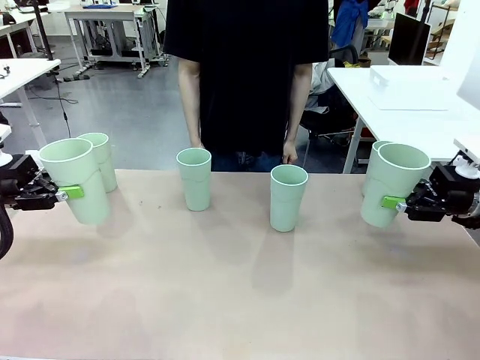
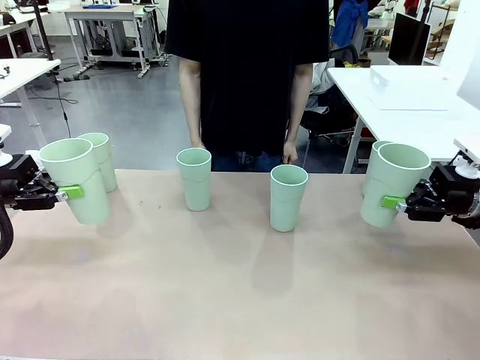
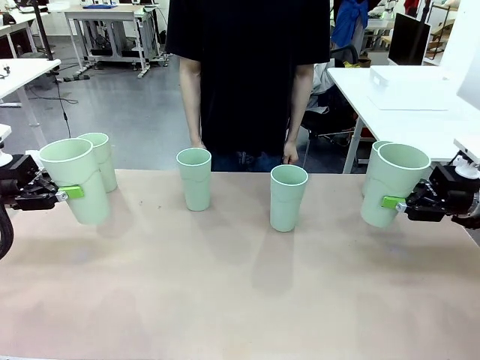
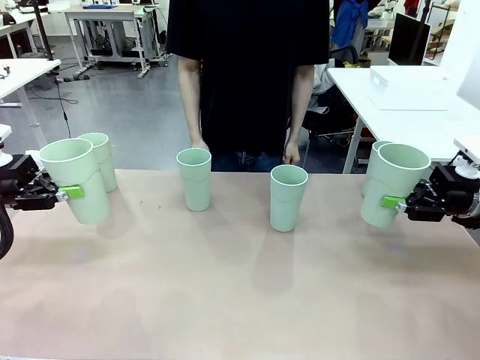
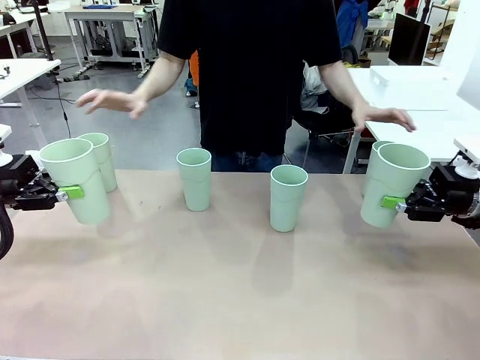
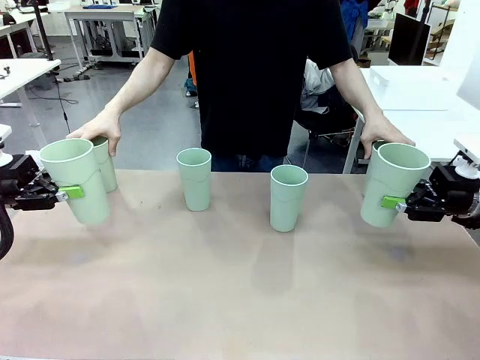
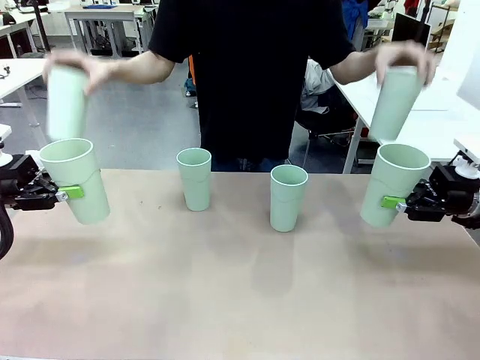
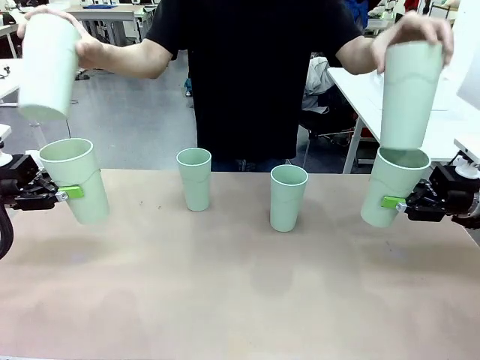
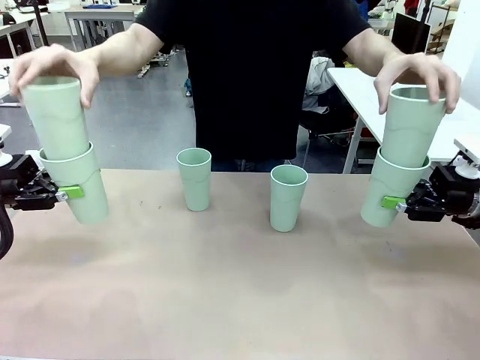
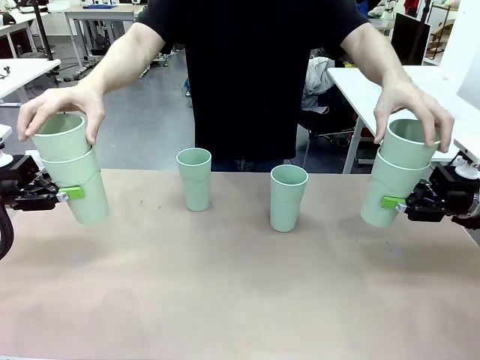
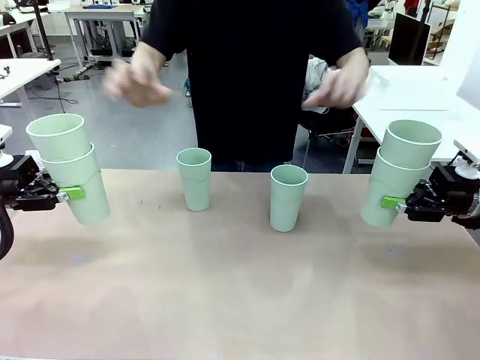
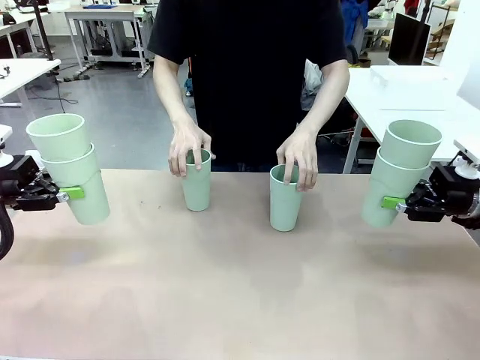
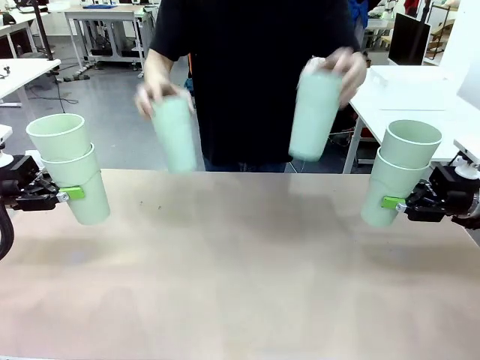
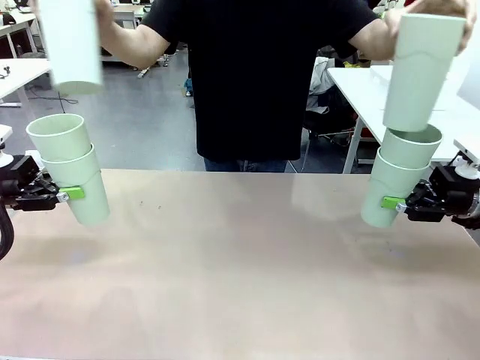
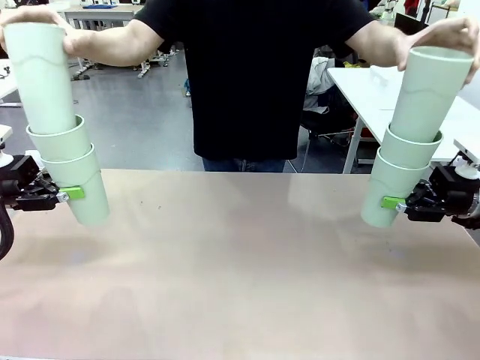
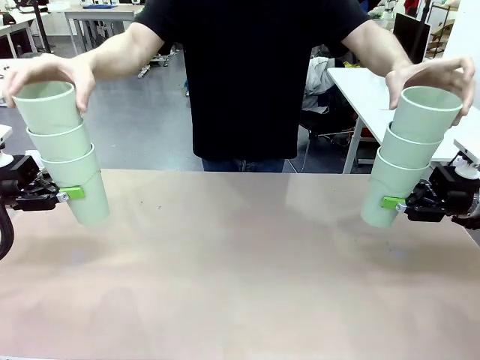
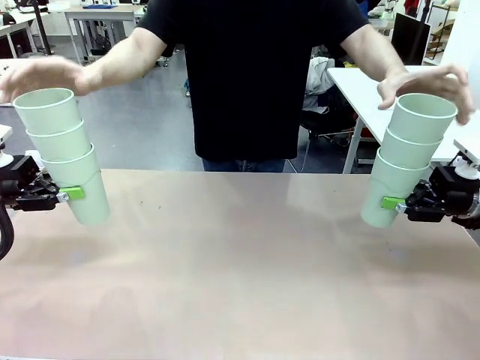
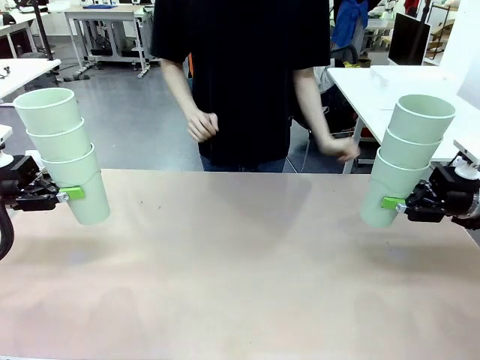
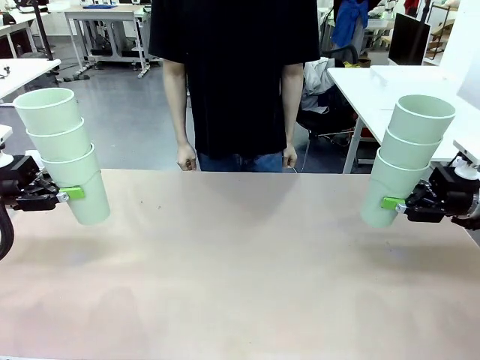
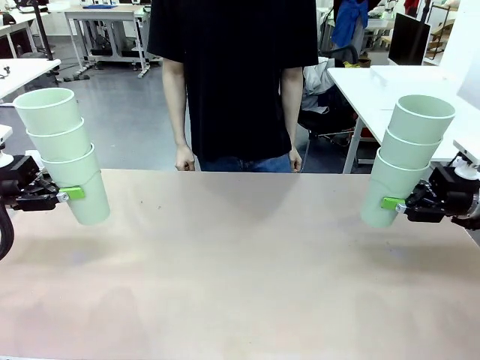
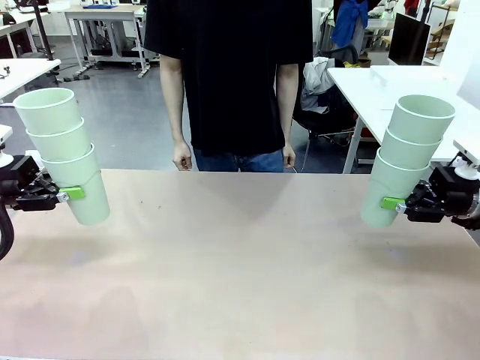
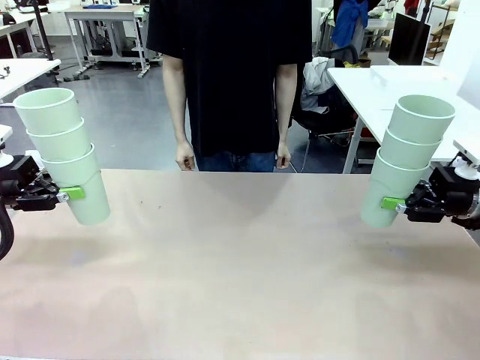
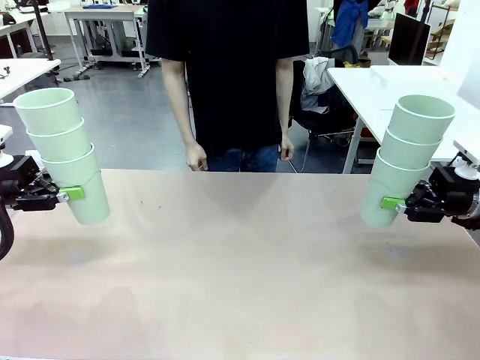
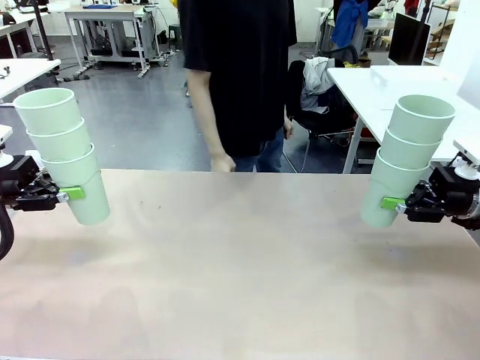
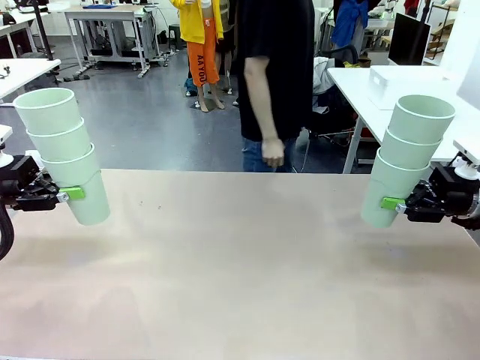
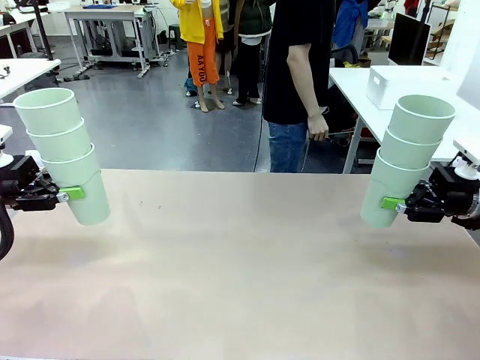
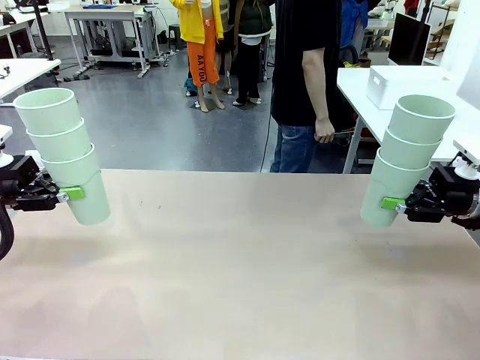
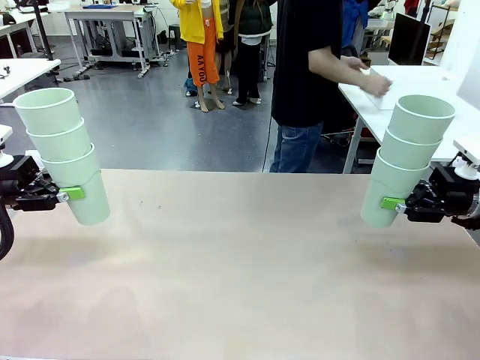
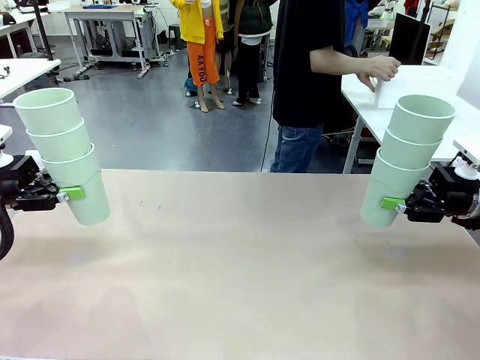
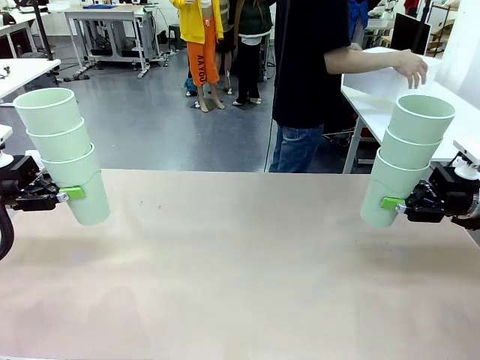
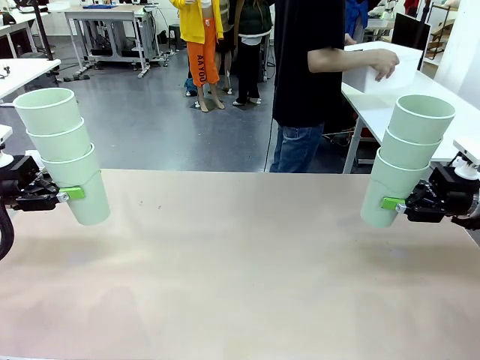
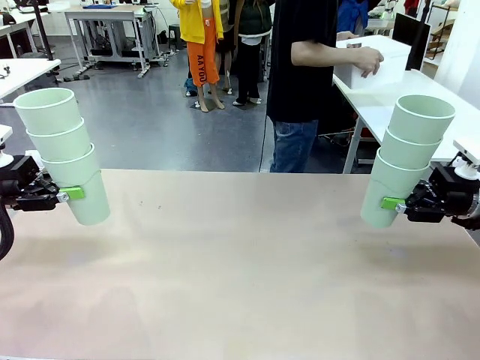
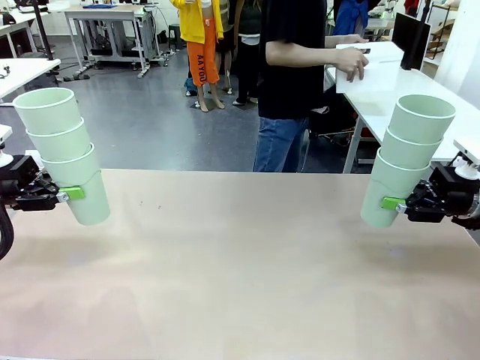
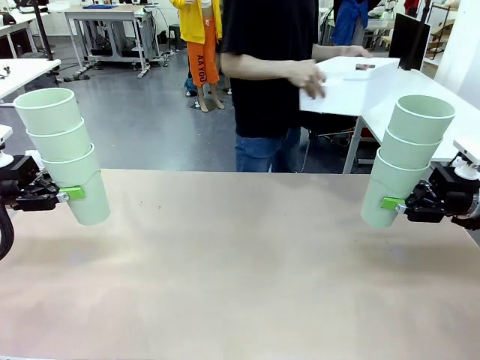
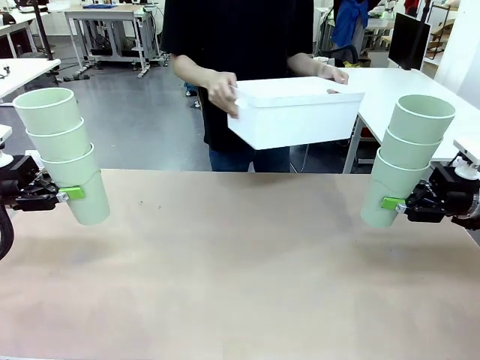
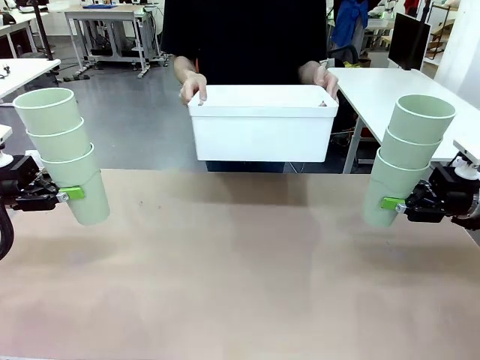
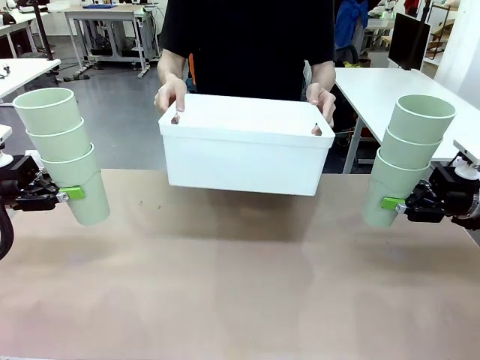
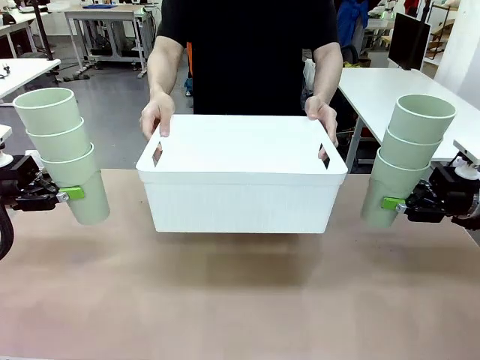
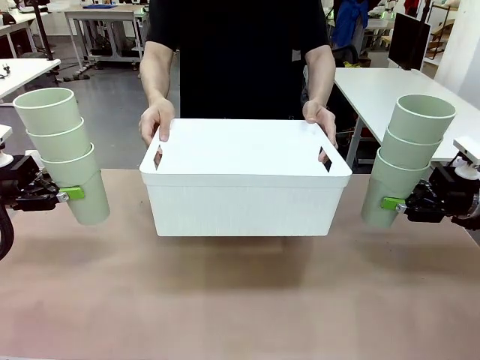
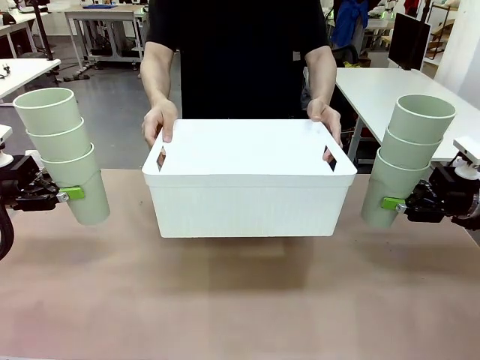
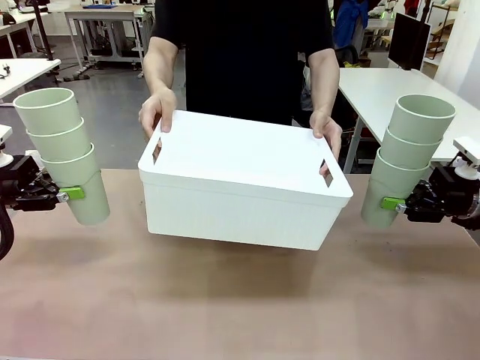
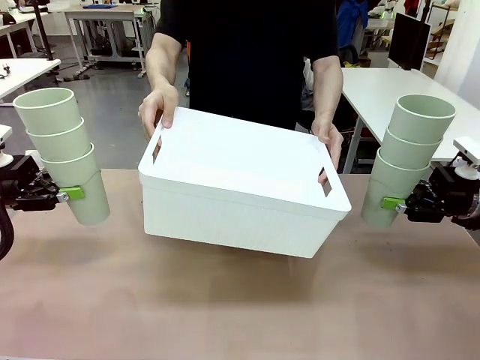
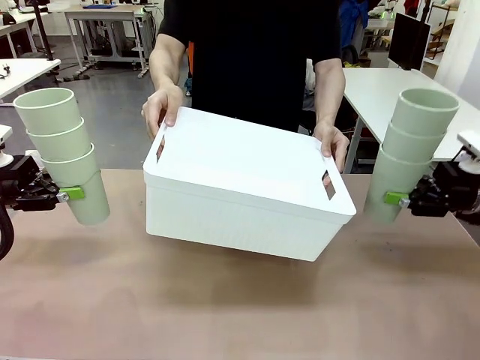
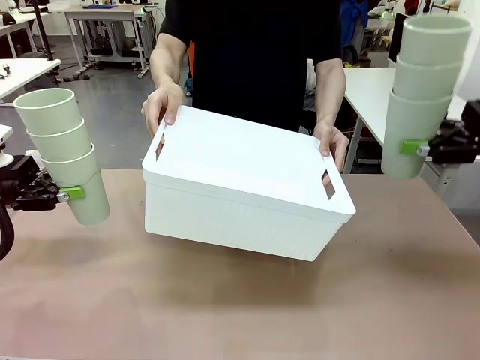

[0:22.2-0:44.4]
Task: Stack the cups and store them in the basket.
Robot: Place the stack of Reusable plastic cups into the Pantry Basket.
Person: Pick up the basket from the Human Table, bring it to the front of the robot, and present it.

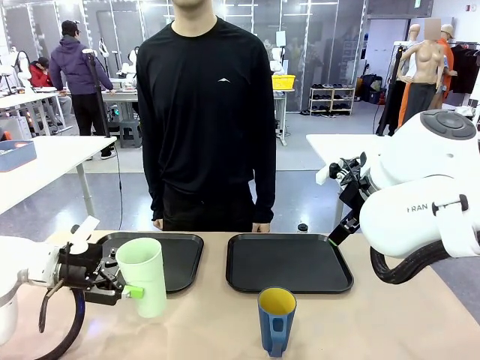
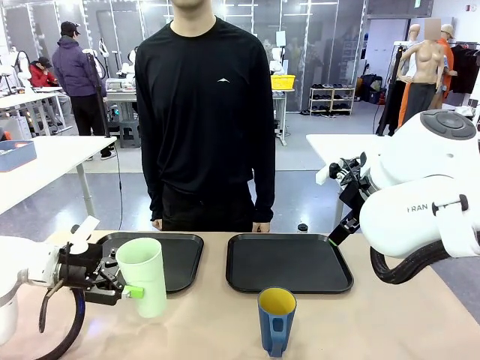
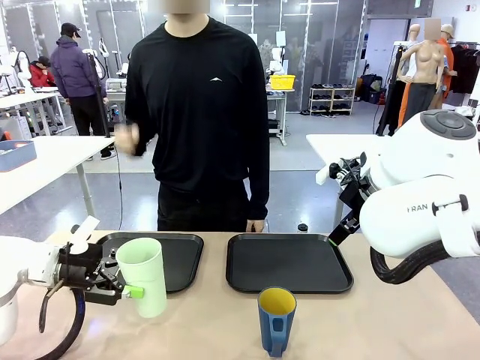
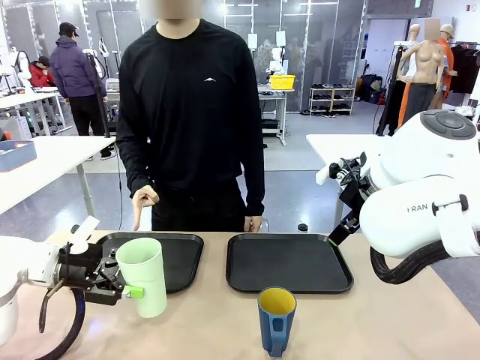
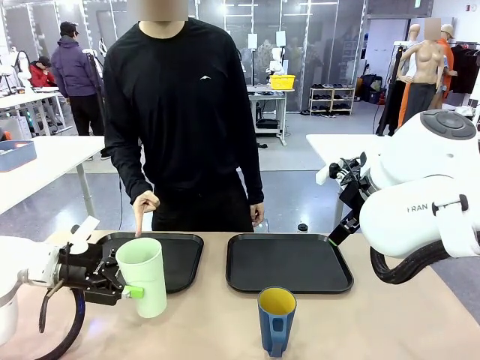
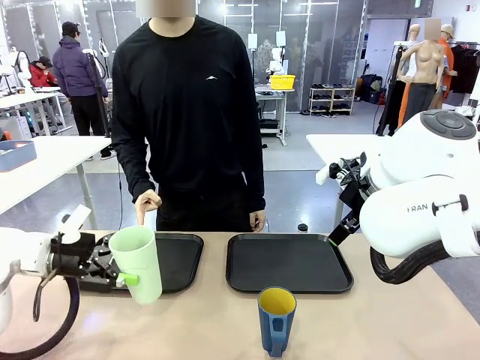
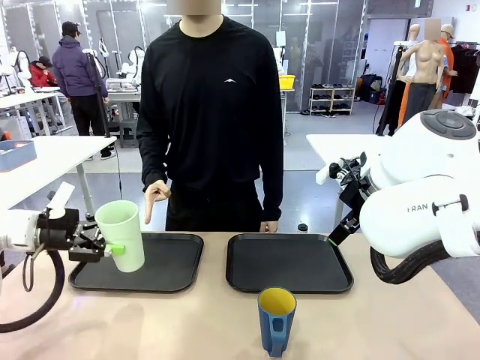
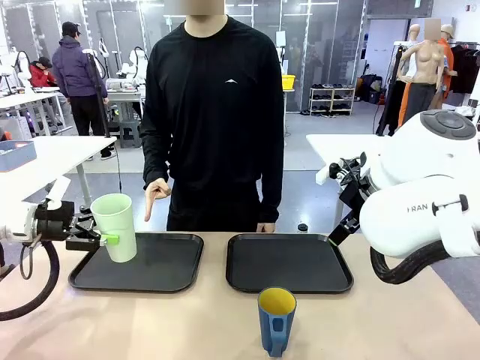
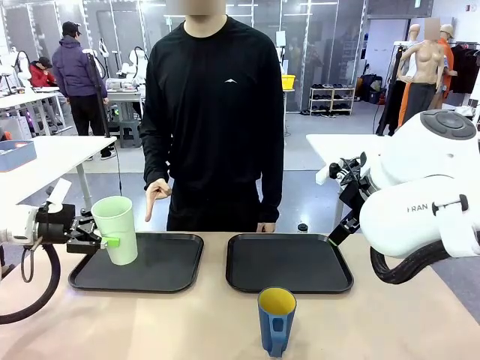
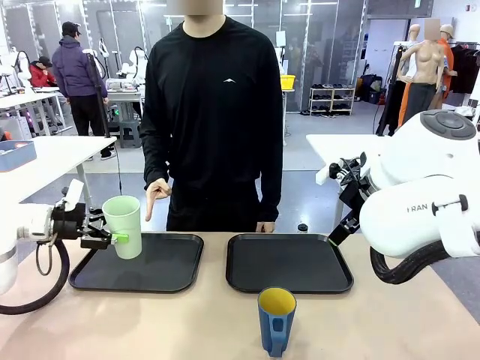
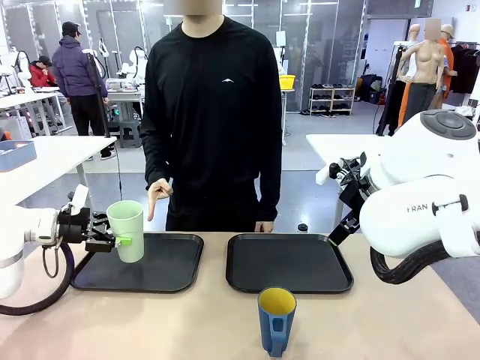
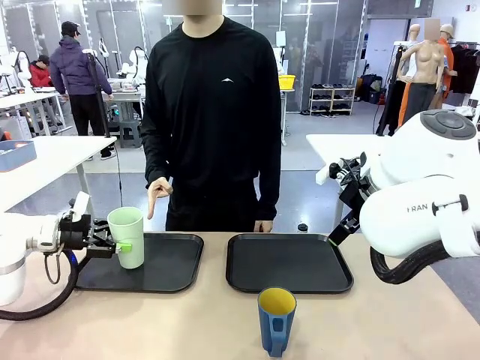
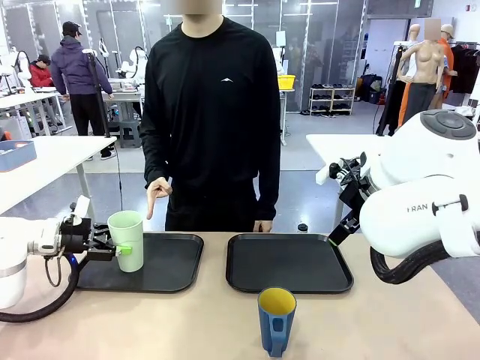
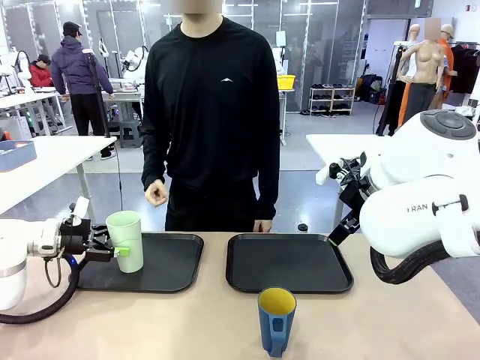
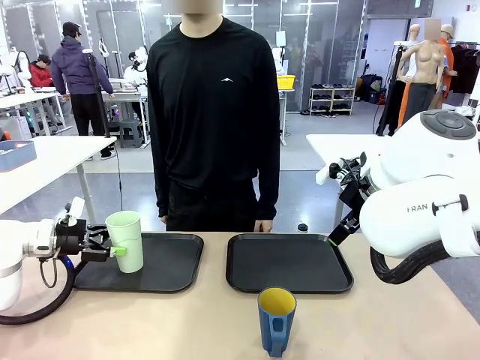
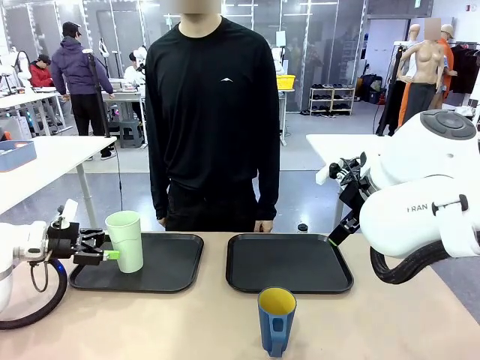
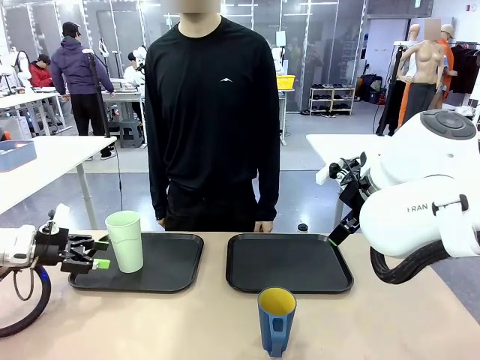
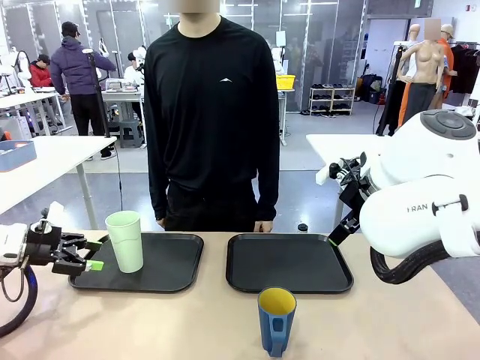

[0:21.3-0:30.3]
Task: Sort and store the cups by type.
Robot: Place the picked Reusable plastic cup into the Flat Tray indicated by the person.
